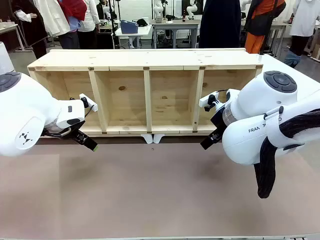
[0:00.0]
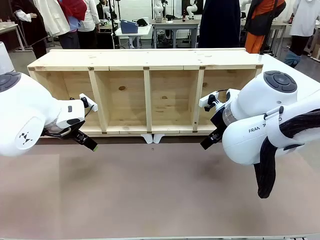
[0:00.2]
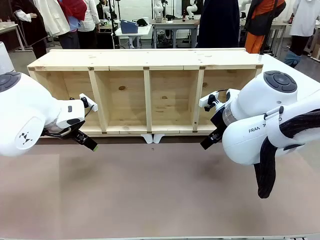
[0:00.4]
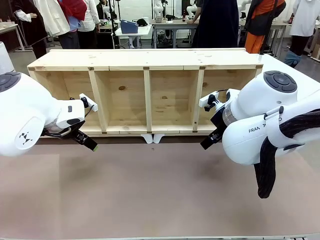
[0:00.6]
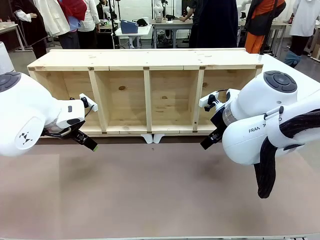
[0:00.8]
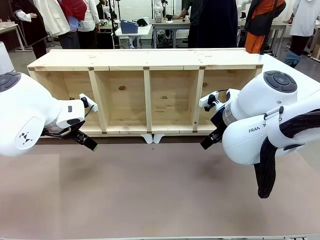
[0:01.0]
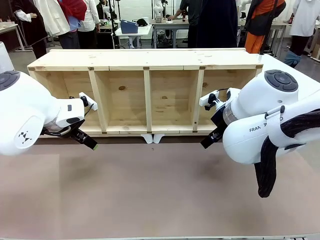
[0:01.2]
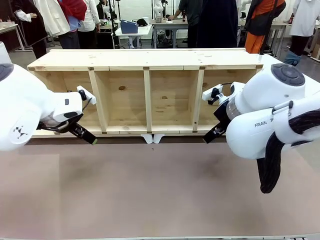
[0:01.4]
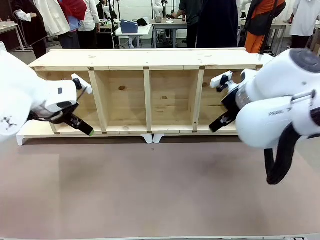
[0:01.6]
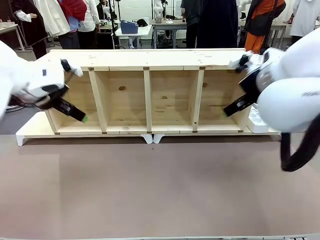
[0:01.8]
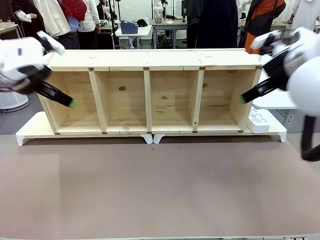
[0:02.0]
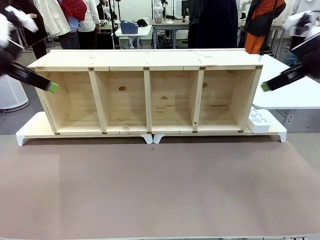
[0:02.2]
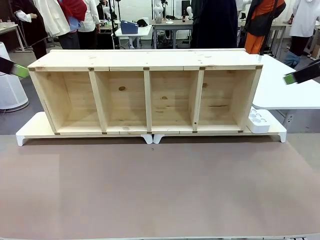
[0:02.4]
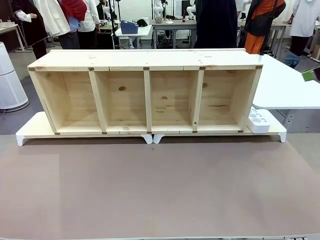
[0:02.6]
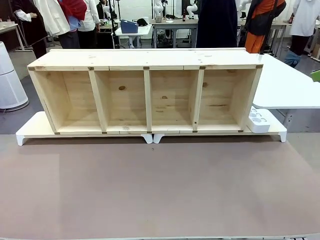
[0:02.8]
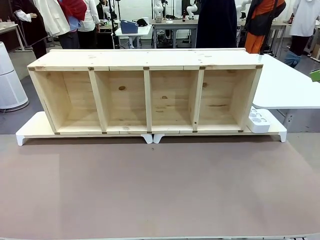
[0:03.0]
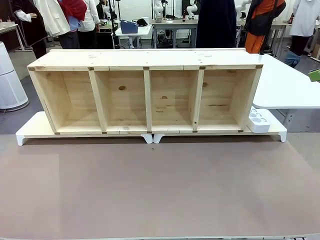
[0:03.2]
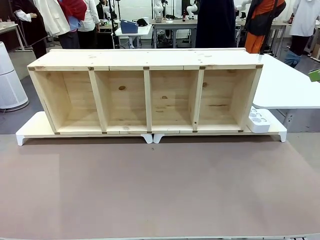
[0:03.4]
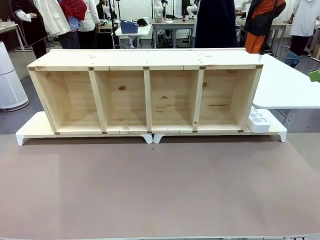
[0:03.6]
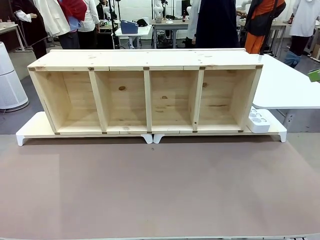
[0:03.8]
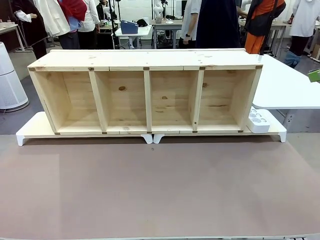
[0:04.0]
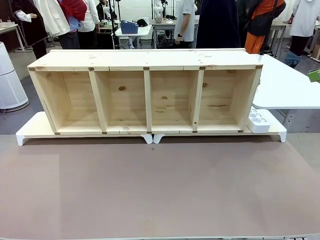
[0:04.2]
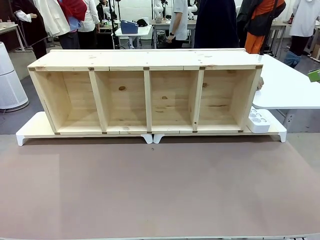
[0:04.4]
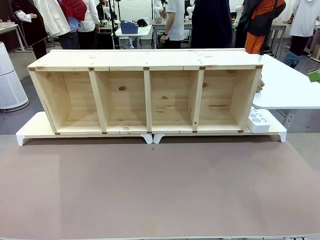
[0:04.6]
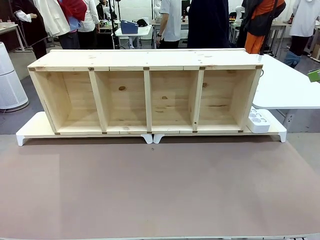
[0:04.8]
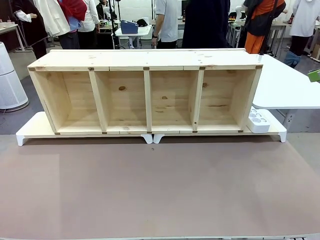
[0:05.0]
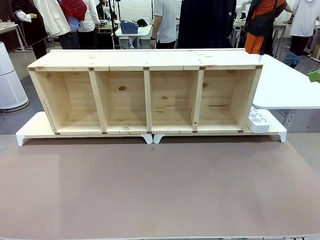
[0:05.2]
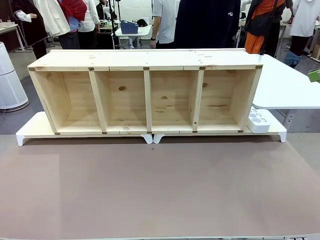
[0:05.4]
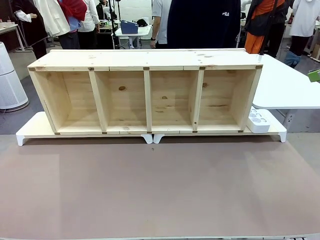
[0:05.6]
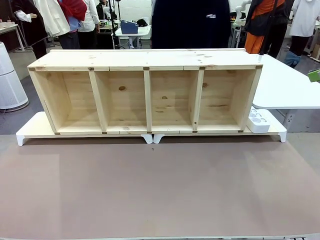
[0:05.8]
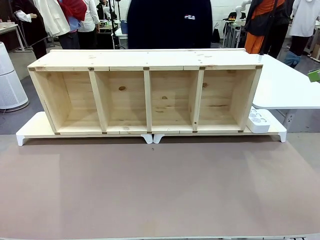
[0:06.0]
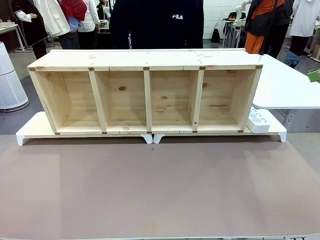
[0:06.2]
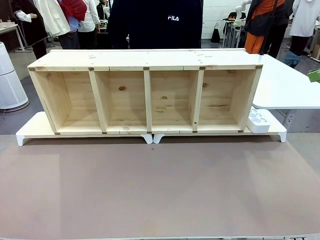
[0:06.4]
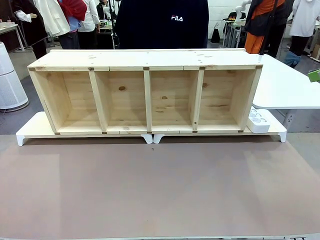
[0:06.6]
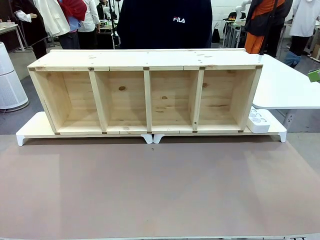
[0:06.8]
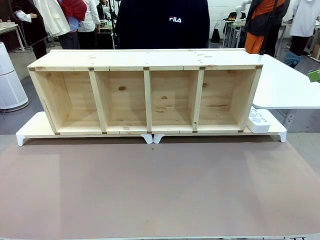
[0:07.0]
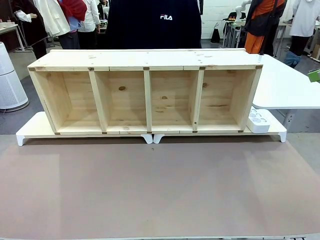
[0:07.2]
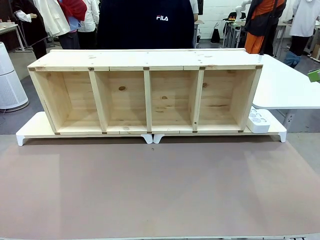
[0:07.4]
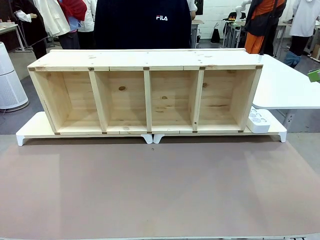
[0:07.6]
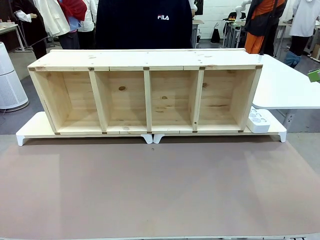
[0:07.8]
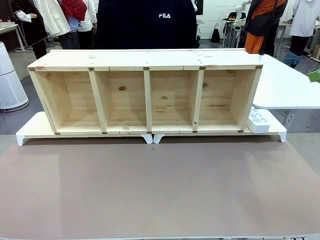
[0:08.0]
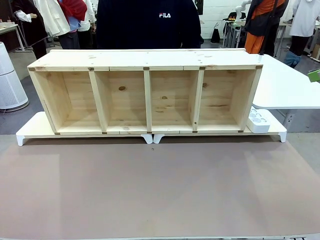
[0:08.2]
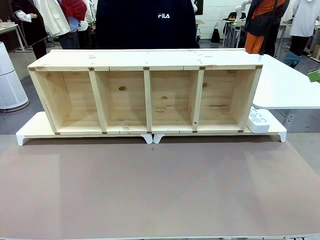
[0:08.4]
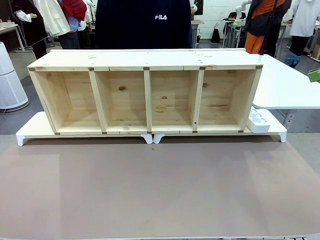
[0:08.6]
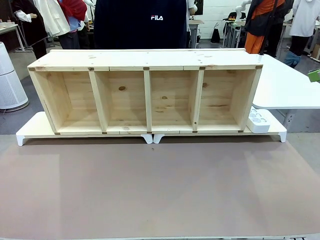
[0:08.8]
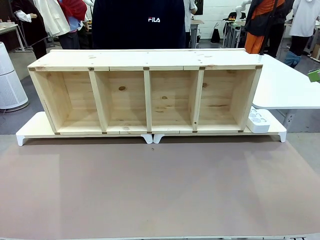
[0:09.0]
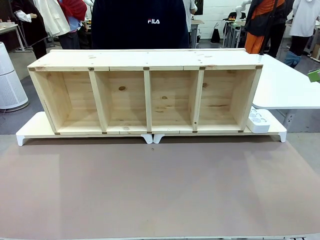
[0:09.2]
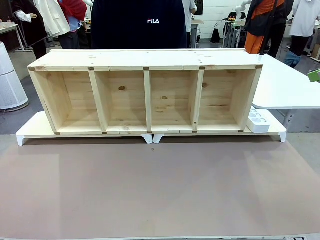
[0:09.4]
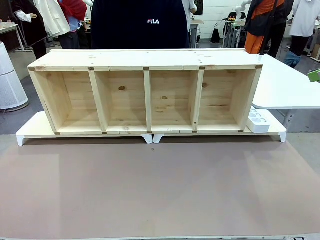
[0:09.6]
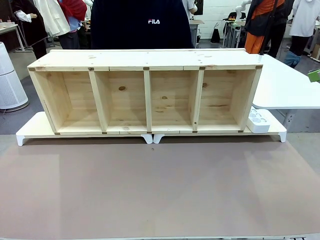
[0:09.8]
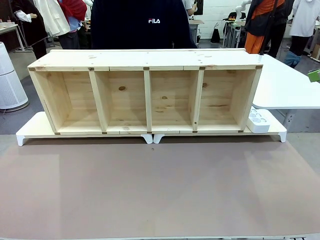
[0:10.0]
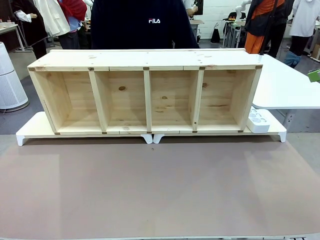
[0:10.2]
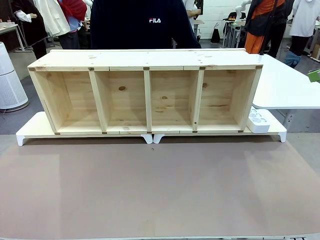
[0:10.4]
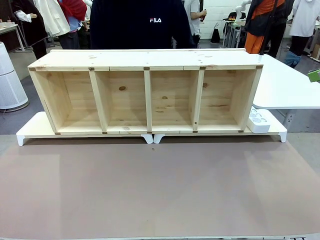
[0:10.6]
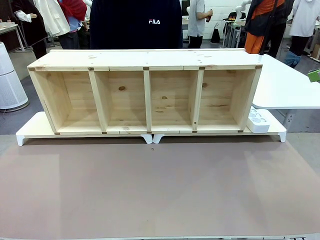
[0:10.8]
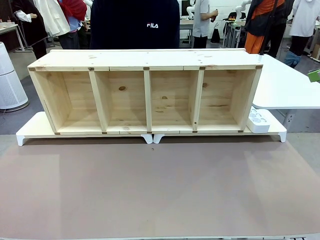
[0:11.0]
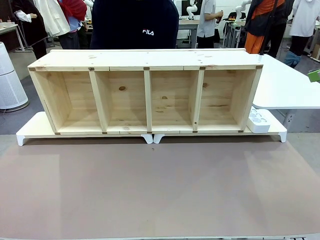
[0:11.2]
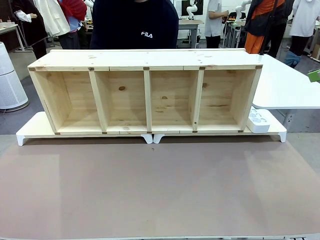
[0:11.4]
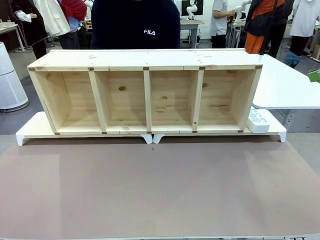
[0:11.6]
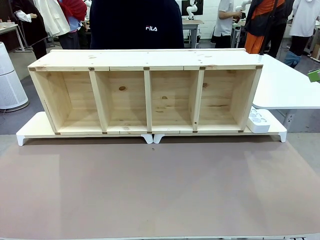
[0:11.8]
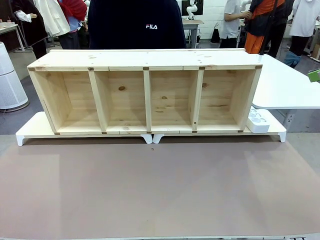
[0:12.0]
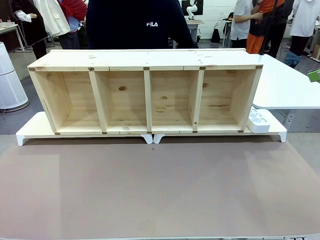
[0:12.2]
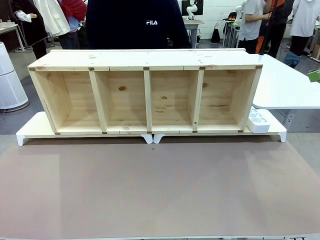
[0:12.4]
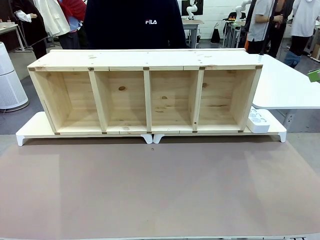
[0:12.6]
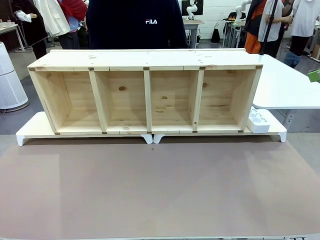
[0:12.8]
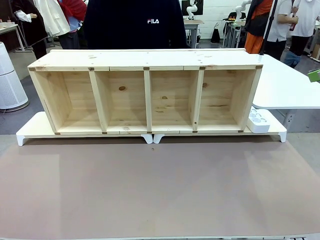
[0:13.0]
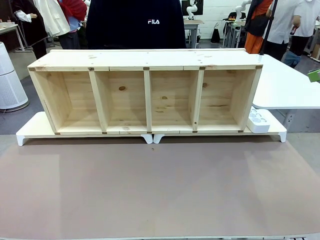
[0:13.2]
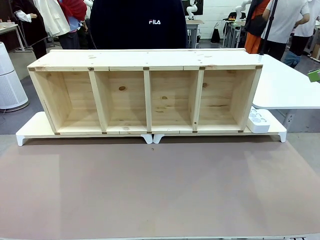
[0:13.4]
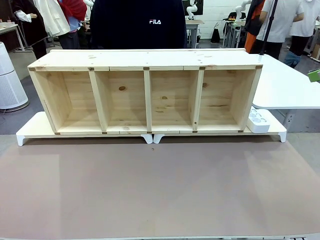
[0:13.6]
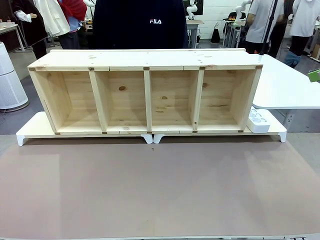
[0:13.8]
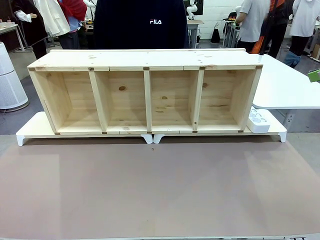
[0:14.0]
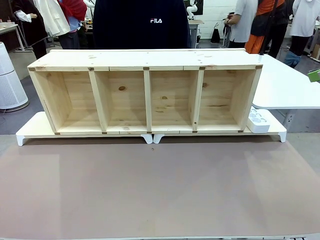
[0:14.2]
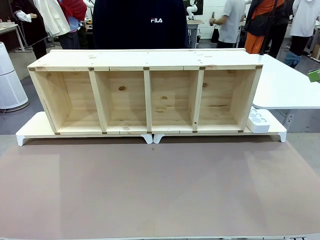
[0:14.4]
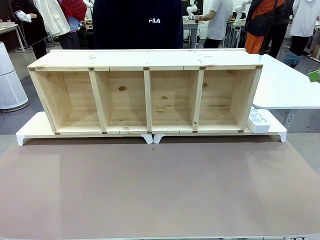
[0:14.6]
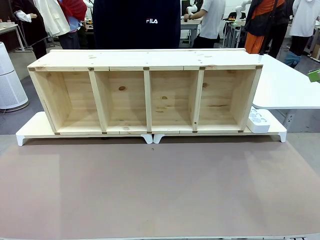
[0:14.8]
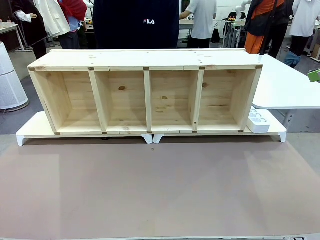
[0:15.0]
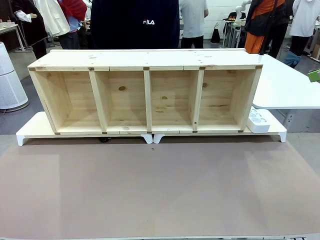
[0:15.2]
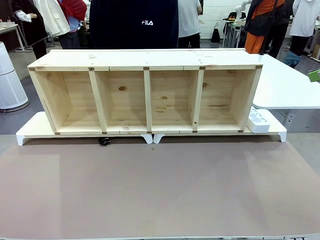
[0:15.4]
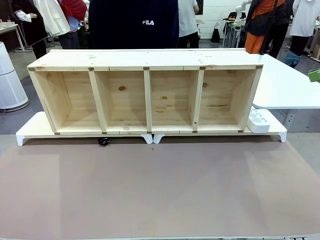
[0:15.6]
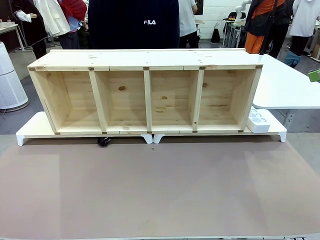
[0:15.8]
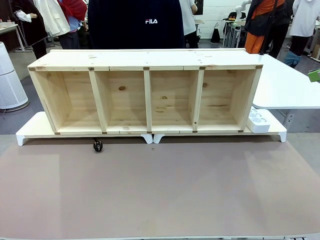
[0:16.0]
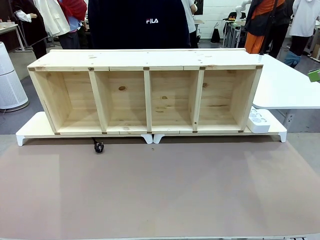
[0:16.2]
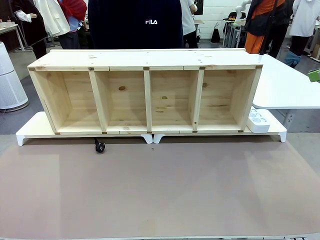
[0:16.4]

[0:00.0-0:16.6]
Task: Perform cable management.
Robot: When the cord part of the Power Cable appears at the lower middle area of the table and stops, grasp the cord part of the Power Cable.
Person: Pass the Power Cable under the Serving Table.
